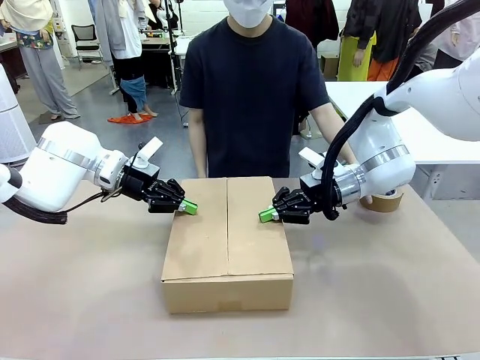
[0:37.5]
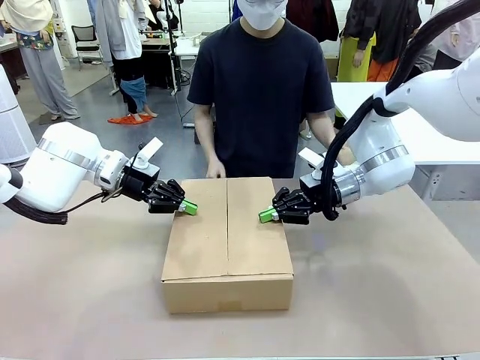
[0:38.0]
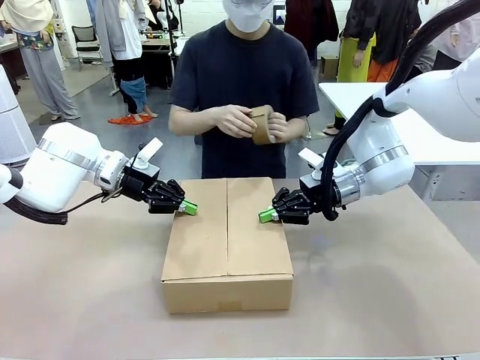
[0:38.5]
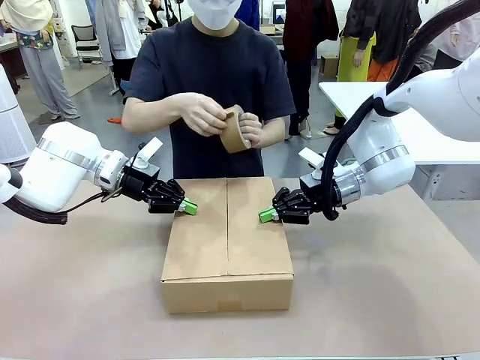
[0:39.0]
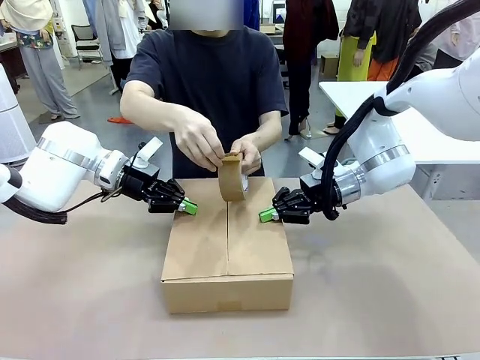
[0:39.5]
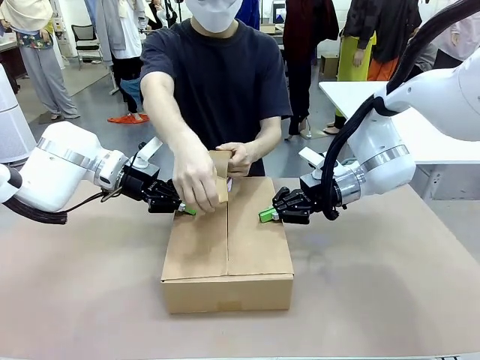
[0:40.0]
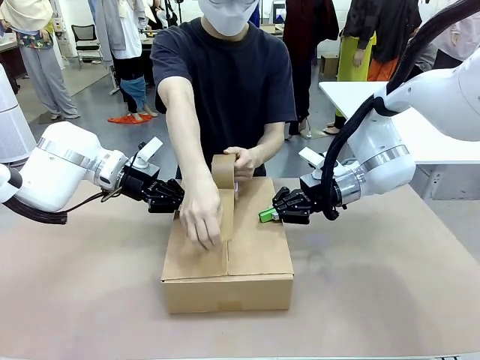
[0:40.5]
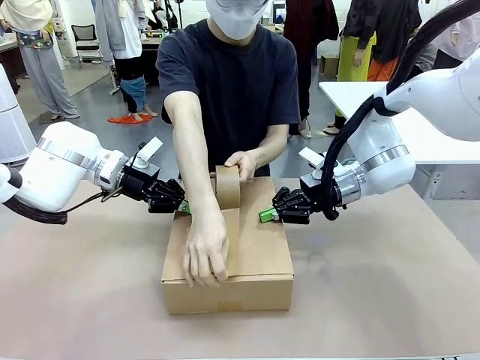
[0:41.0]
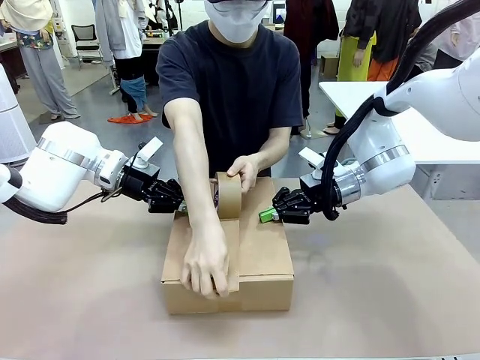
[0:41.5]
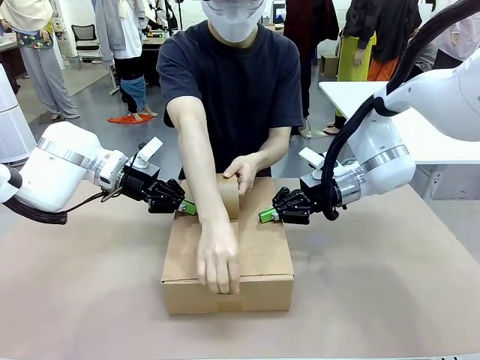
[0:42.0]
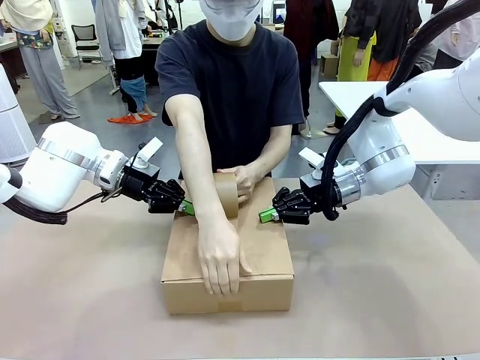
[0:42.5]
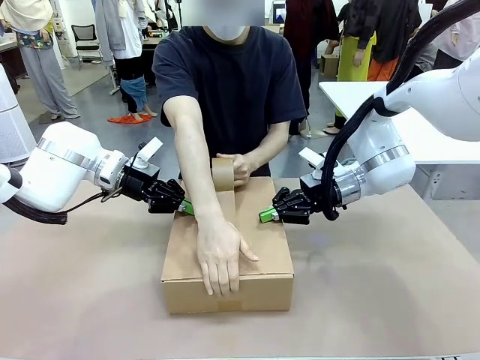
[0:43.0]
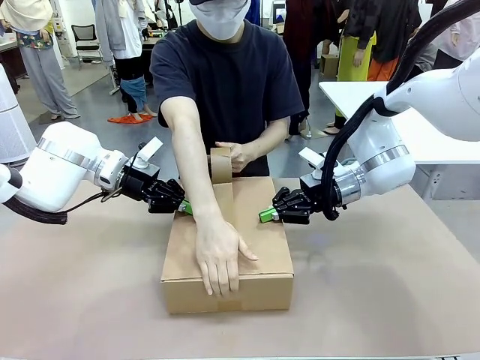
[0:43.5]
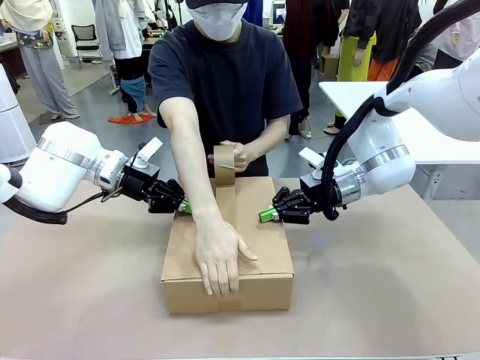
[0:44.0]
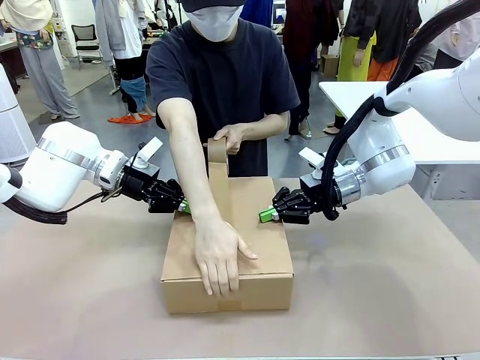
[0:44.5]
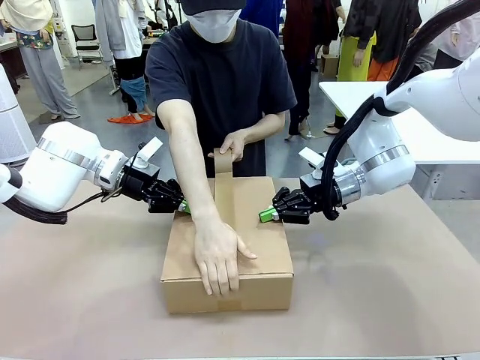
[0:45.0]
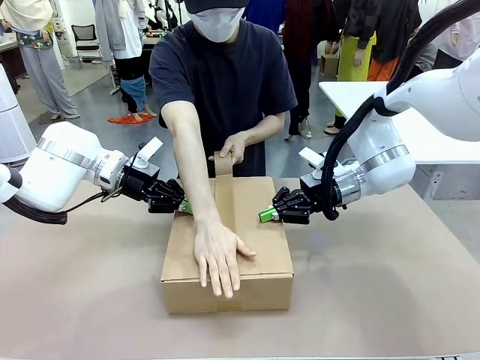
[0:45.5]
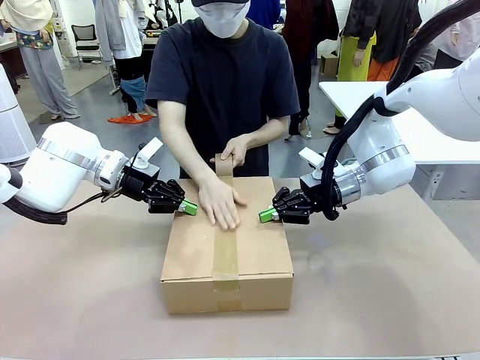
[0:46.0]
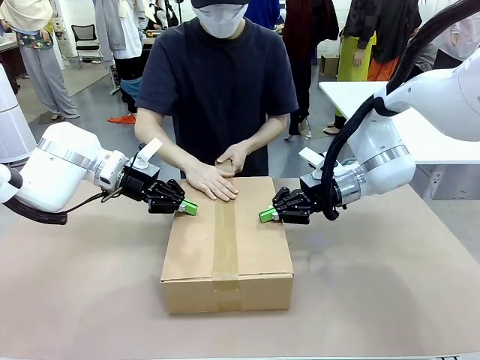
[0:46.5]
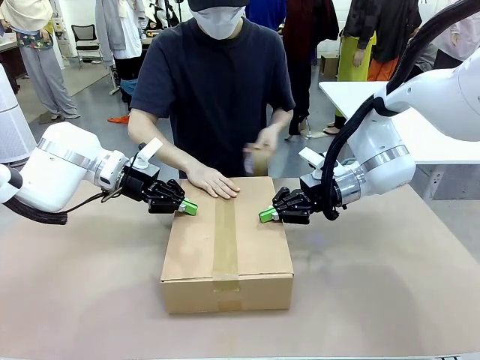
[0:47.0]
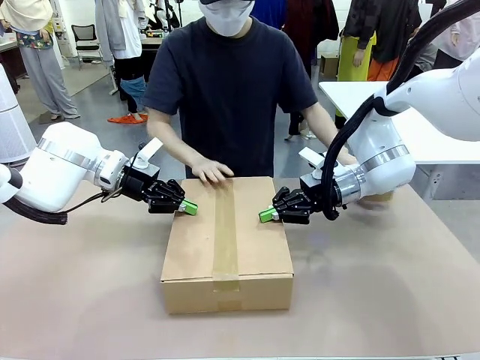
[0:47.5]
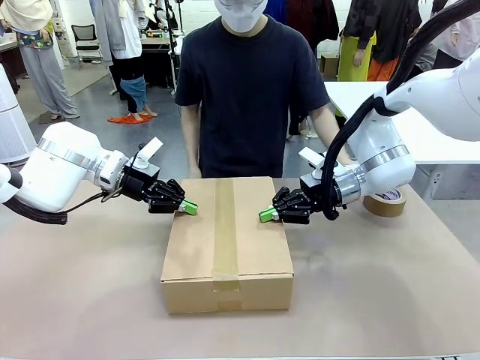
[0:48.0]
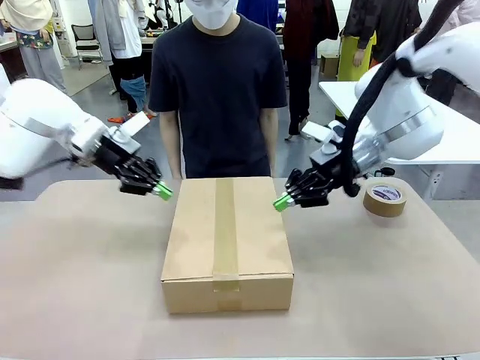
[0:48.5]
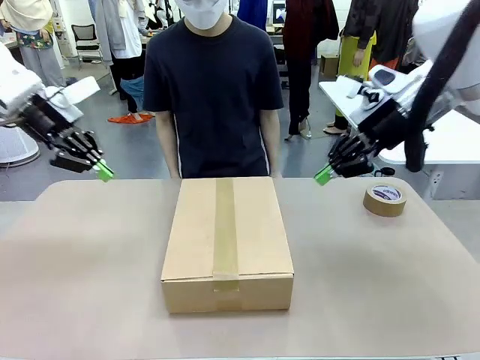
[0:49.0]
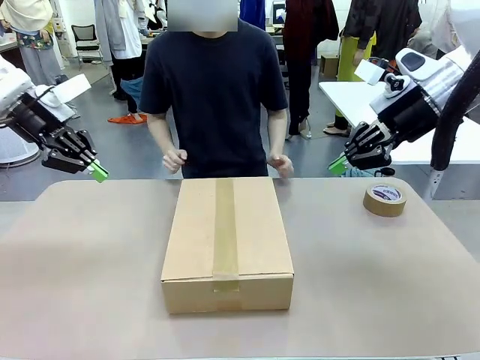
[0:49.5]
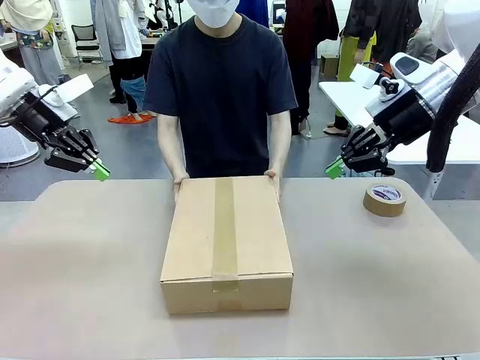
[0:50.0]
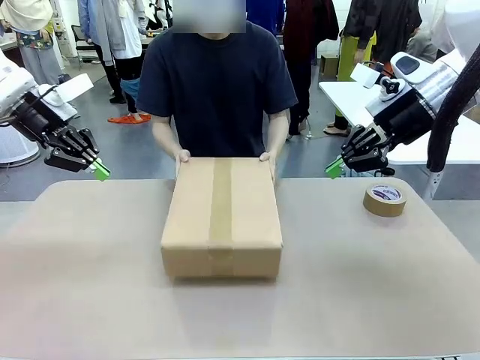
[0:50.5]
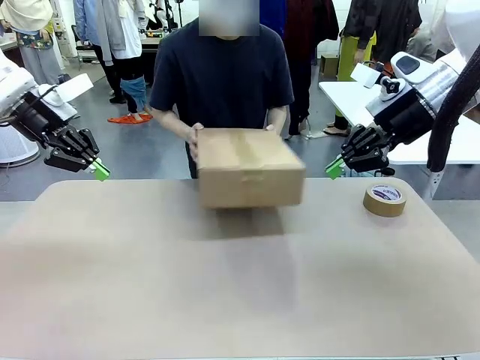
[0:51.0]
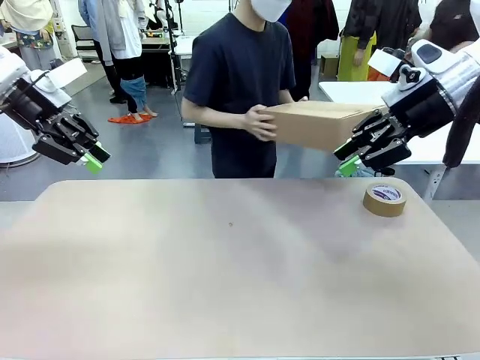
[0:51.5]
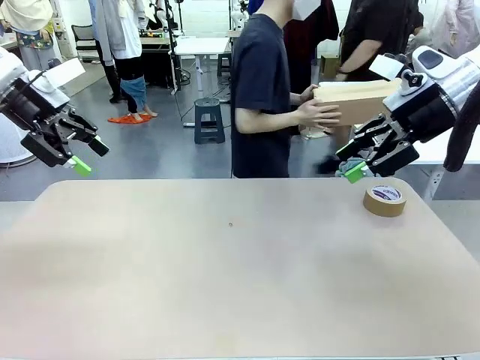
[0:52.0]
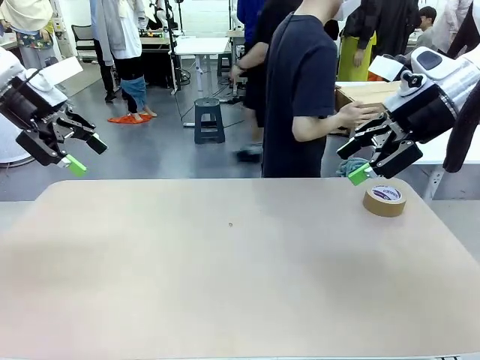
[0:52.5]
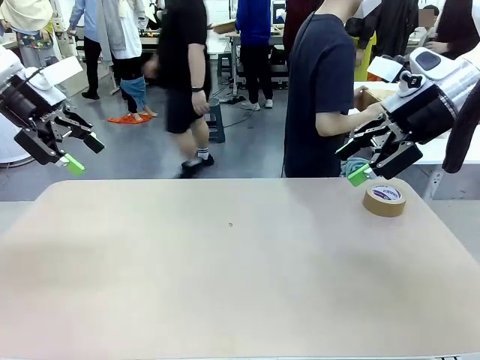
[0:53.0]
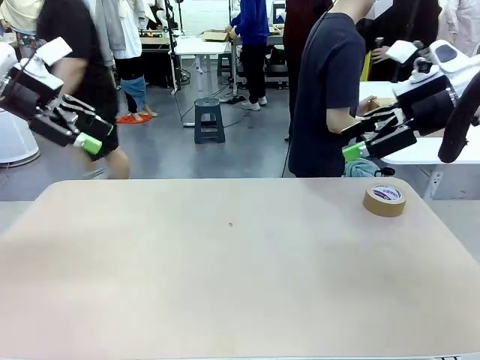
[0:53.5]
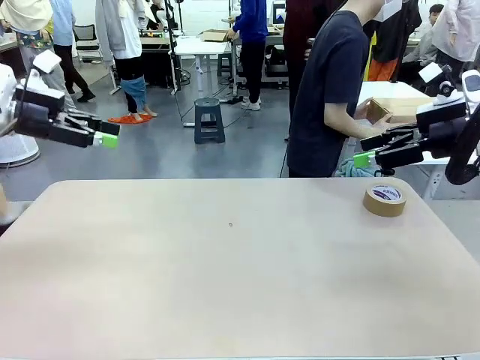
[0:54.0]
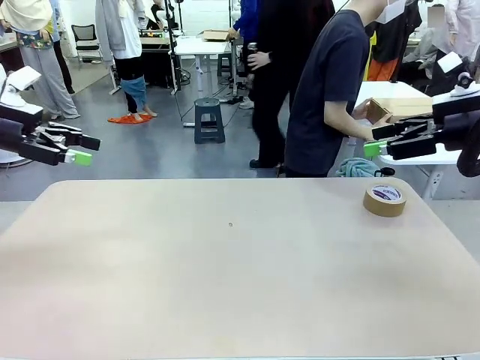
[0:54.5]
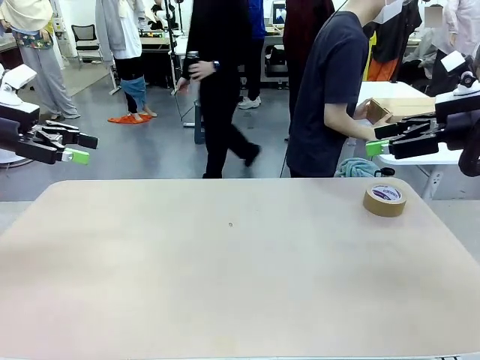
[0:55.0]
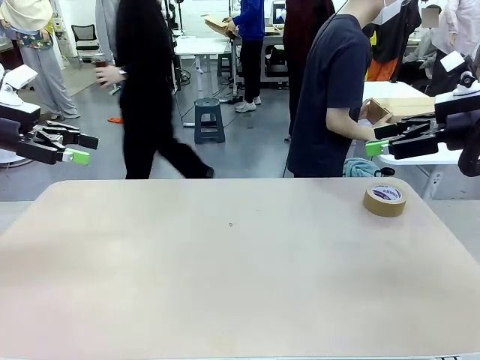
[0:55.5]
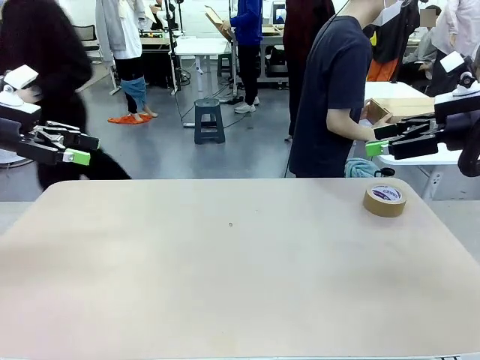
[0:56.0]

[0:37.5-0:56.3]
Task: Wrap the clocks to prevent damage.
Robot: After the human seals the box with tape, release both hands from the side flaps of the Package Box.
Person: Once the robot closes the left flap of the Package Box , seal the box with Paper Tape. Place sealed Package Box in the middle of the human's table.

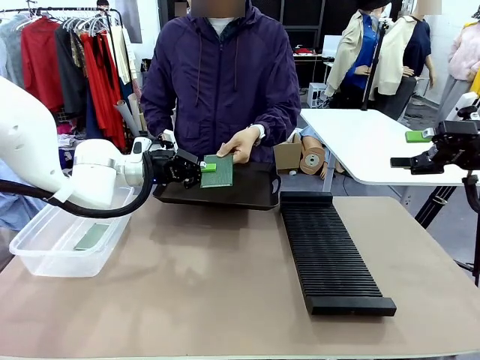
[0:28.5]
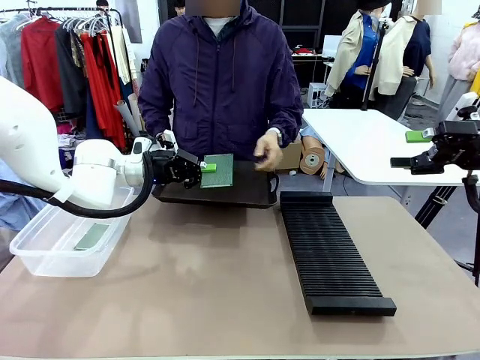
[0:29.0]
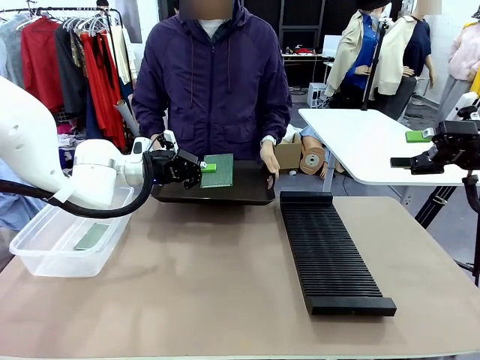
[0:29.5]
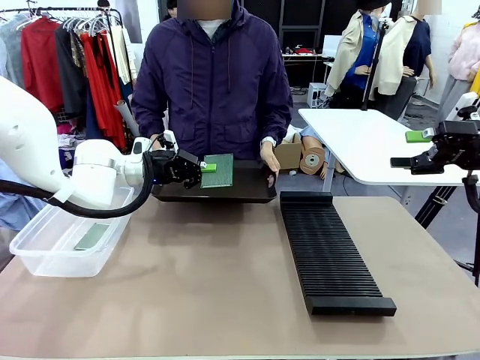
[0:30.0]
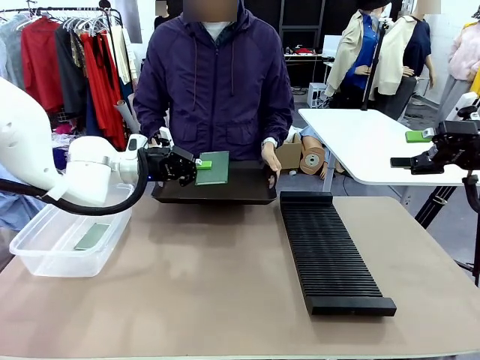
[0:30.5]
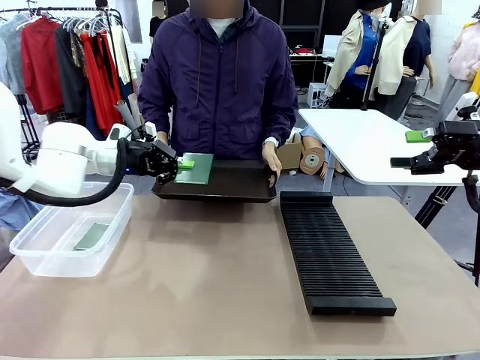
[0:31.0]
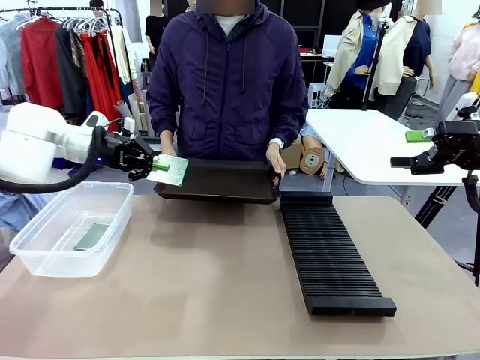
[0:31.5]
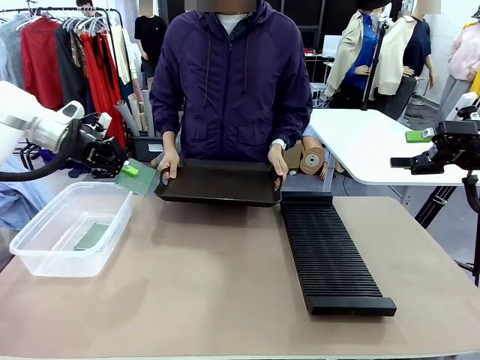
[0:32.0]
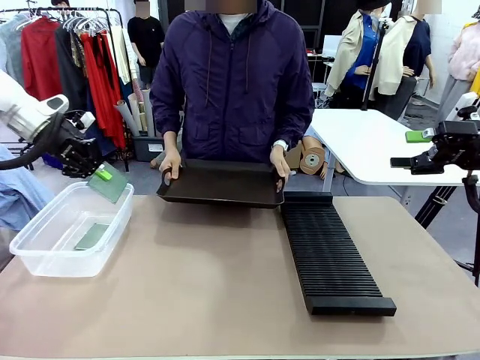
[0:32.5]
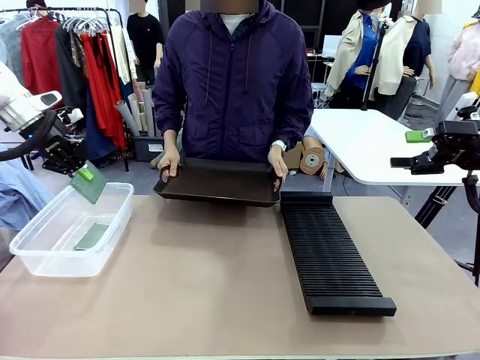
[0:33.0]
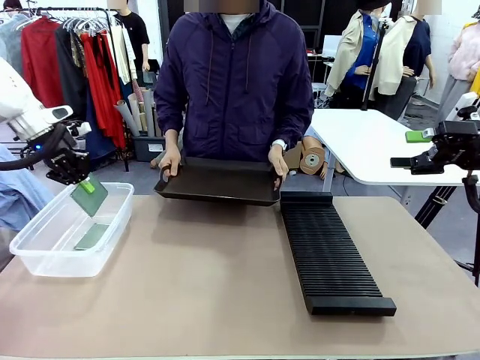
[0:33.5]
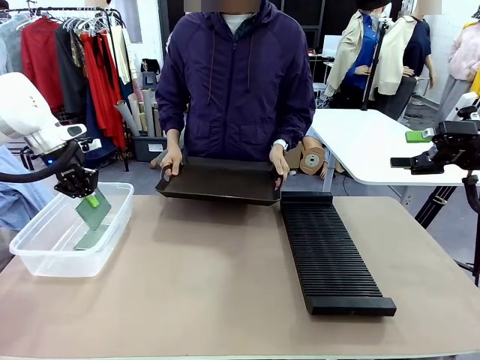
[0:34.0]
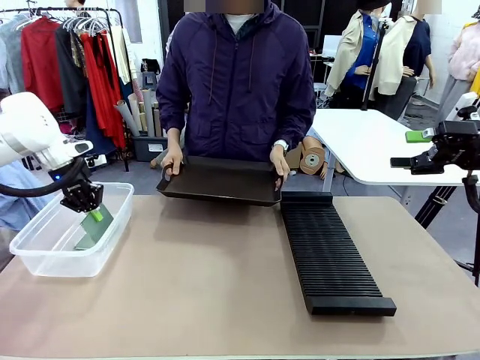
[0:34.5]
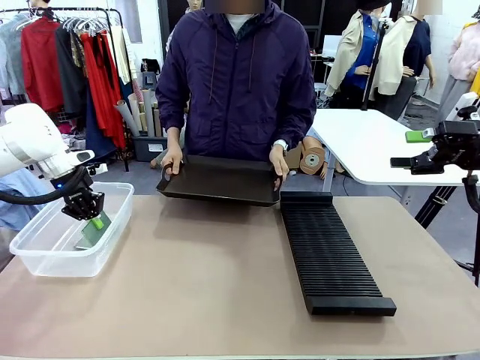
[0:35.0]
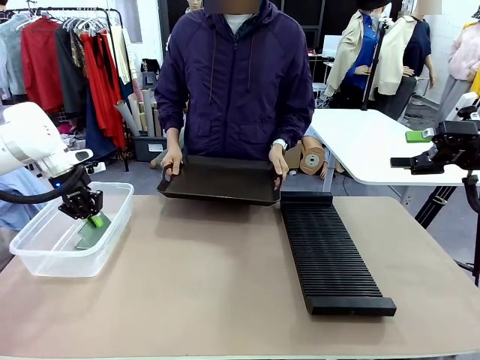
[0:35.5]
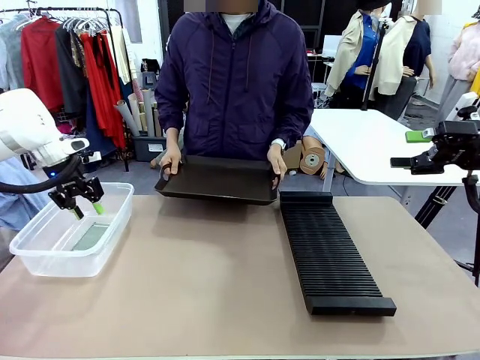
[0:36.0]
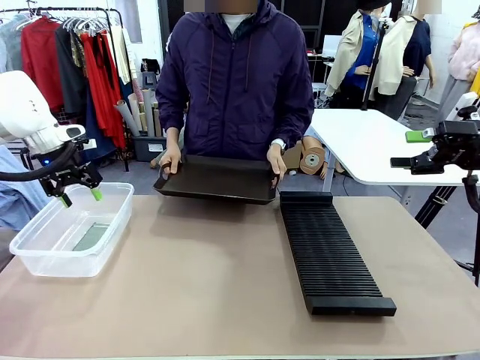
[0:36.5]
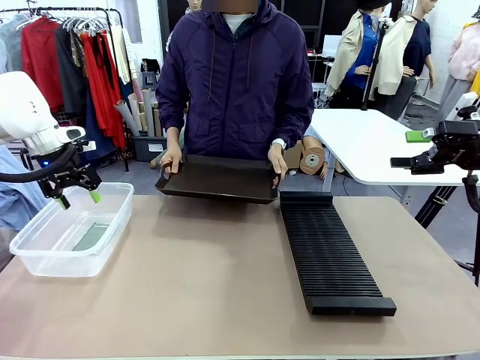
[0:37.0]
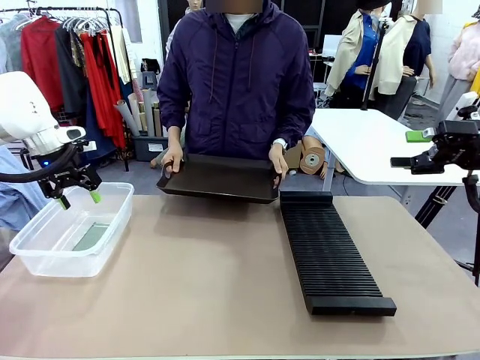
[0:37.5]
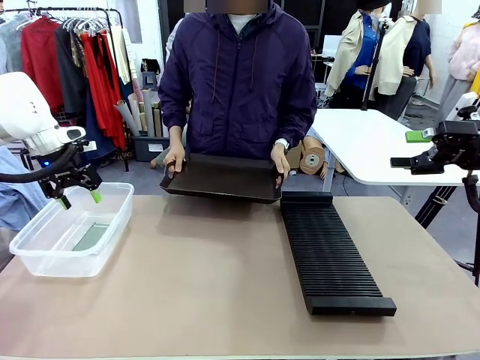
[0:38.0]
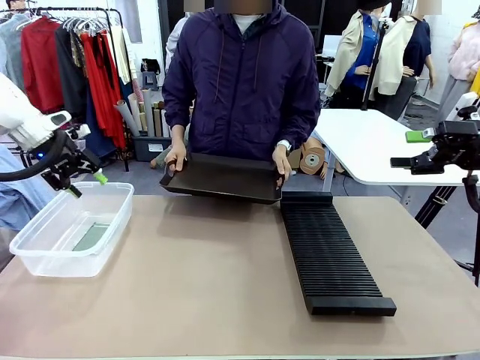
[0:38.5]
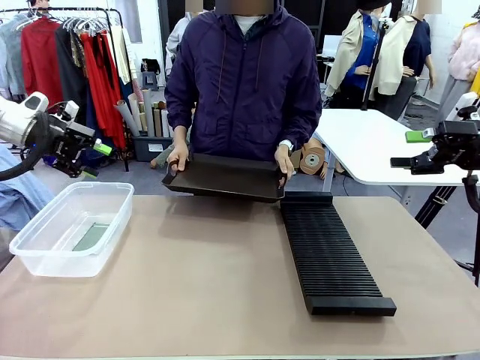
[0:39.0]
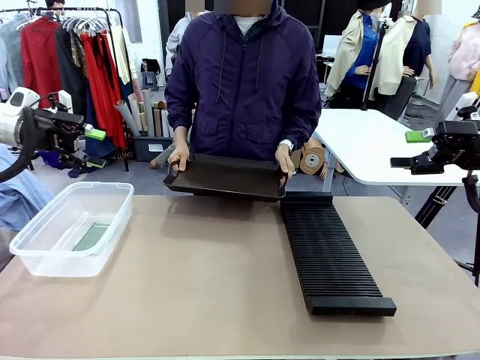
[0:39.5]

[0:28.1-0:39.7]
Task: Sort PCBs into racks and boxes based on the side picked up.
Robot: If the short side of the Blank PCB is picked up, insert it into the PCB Rack ; if the long side is picked up, place it in the Organizing box.
Person: Release the PCB being held.
